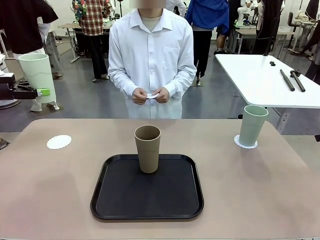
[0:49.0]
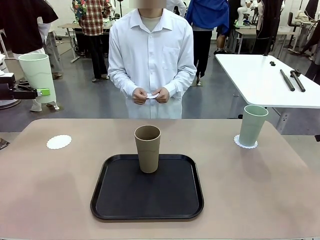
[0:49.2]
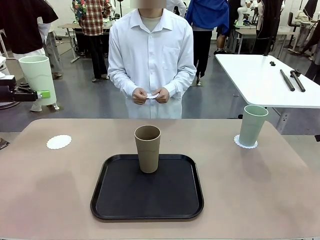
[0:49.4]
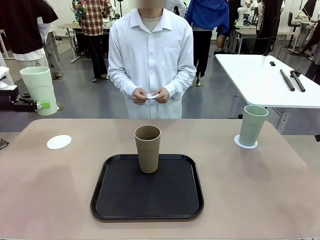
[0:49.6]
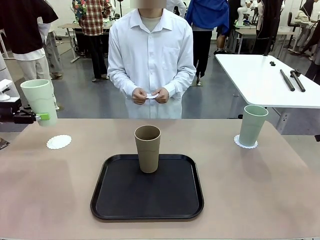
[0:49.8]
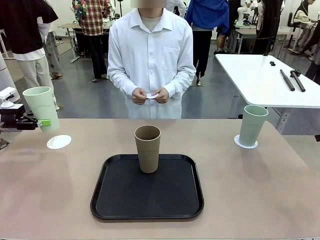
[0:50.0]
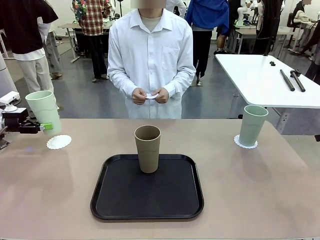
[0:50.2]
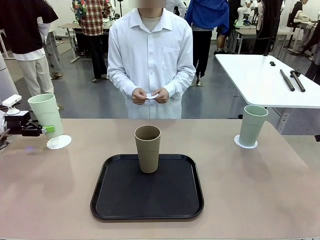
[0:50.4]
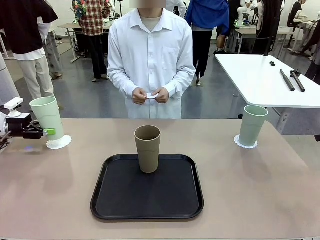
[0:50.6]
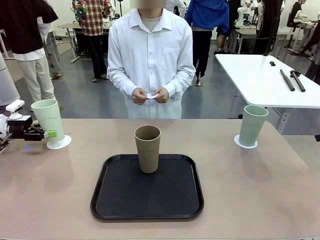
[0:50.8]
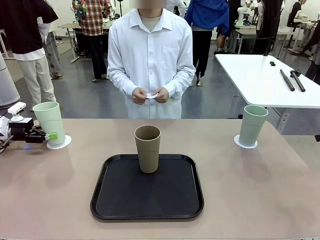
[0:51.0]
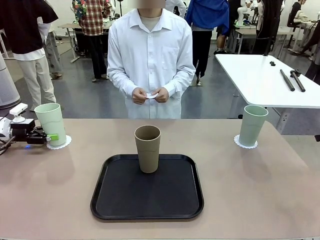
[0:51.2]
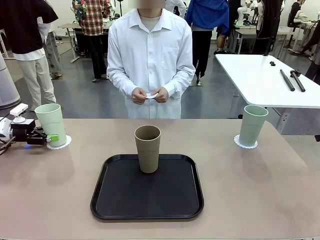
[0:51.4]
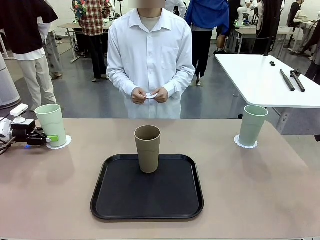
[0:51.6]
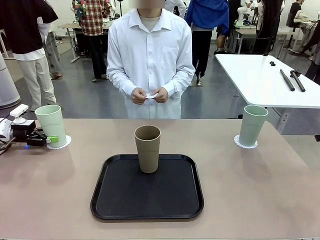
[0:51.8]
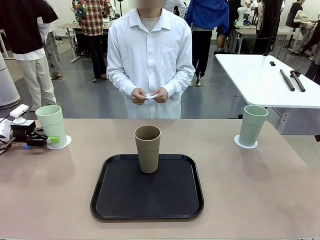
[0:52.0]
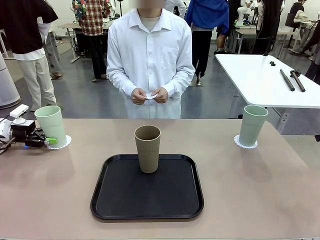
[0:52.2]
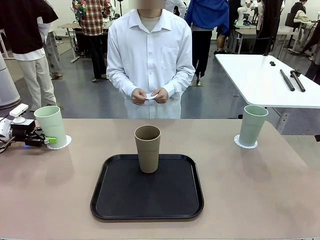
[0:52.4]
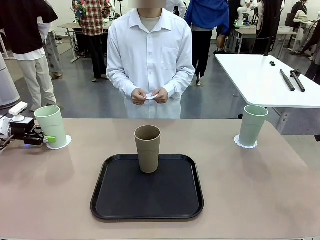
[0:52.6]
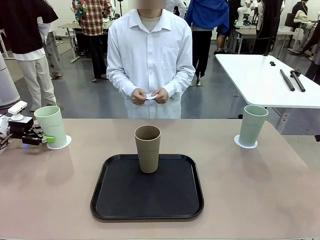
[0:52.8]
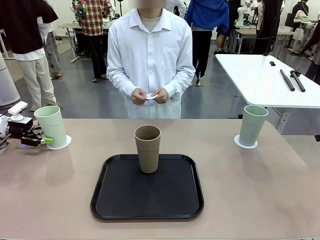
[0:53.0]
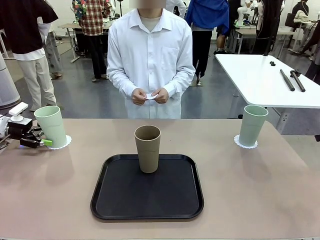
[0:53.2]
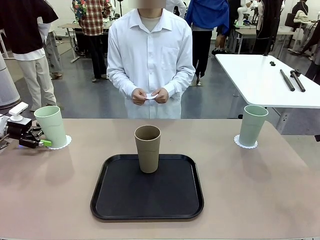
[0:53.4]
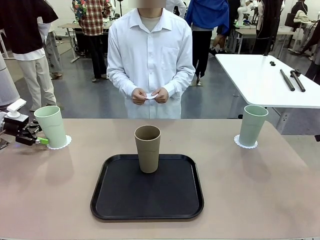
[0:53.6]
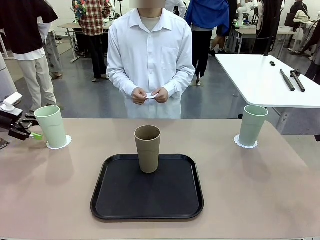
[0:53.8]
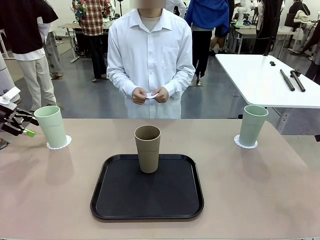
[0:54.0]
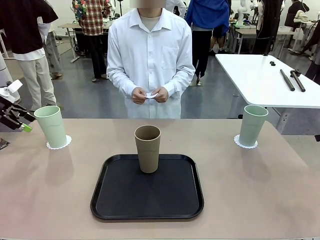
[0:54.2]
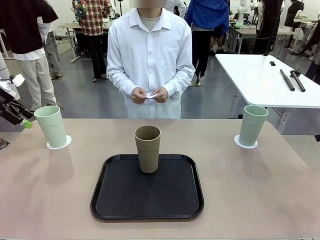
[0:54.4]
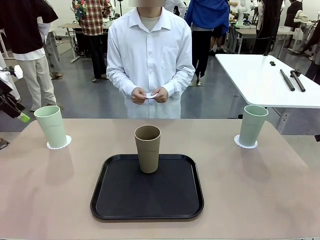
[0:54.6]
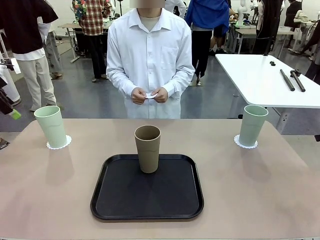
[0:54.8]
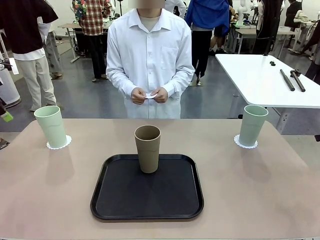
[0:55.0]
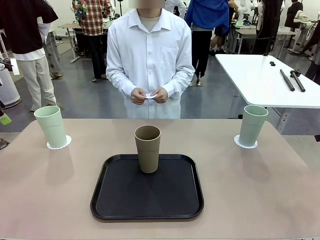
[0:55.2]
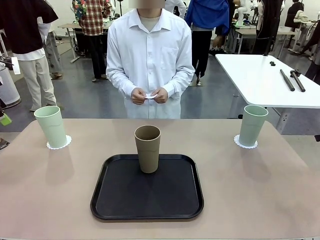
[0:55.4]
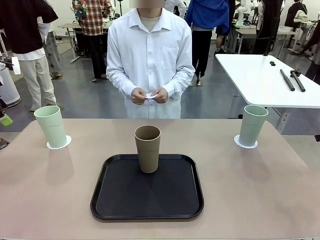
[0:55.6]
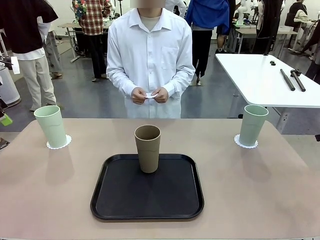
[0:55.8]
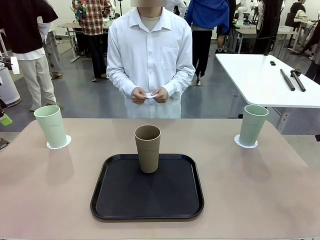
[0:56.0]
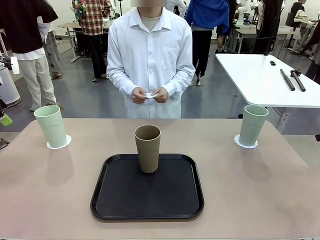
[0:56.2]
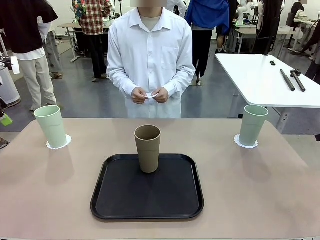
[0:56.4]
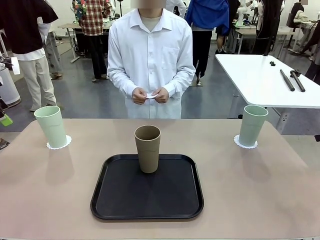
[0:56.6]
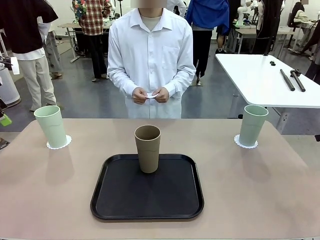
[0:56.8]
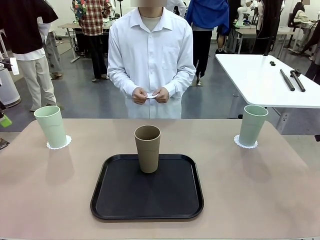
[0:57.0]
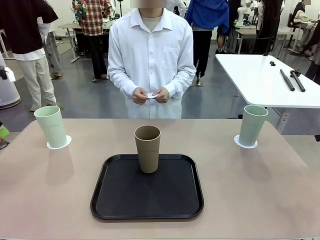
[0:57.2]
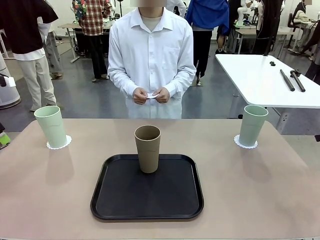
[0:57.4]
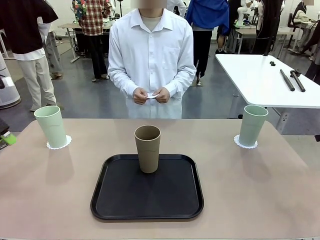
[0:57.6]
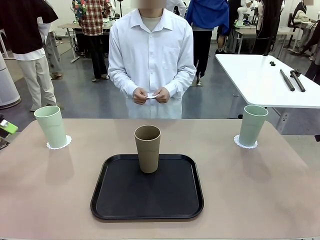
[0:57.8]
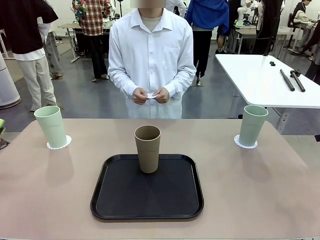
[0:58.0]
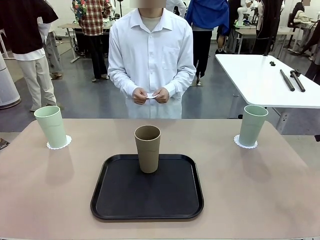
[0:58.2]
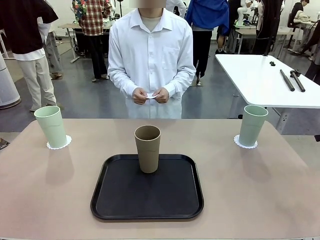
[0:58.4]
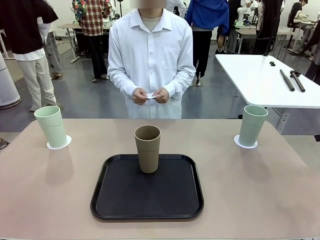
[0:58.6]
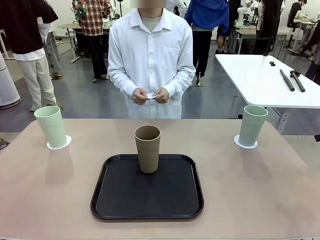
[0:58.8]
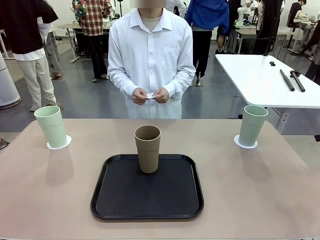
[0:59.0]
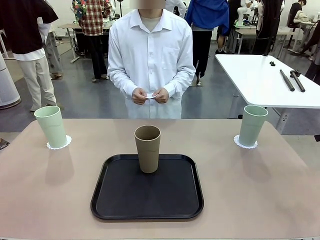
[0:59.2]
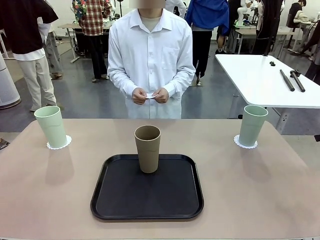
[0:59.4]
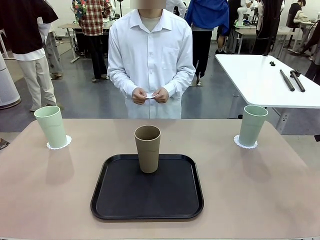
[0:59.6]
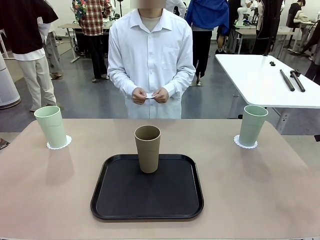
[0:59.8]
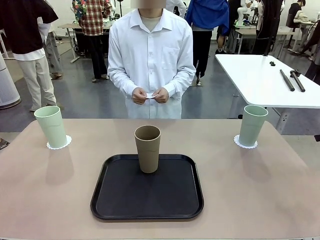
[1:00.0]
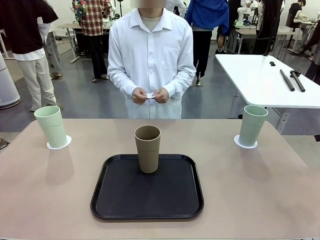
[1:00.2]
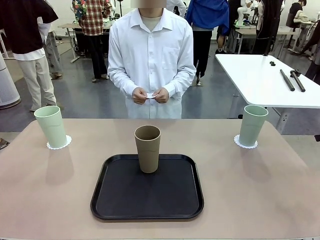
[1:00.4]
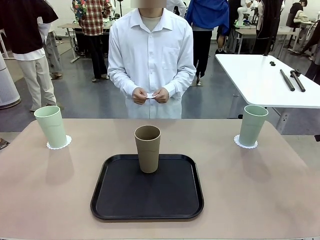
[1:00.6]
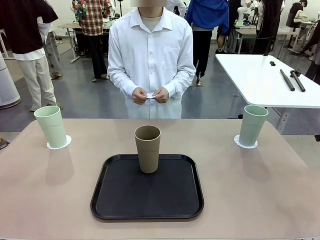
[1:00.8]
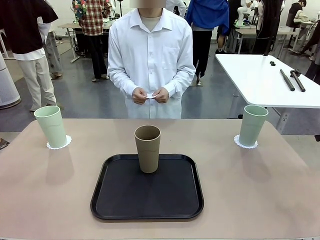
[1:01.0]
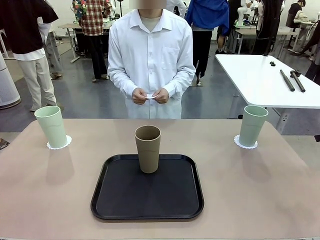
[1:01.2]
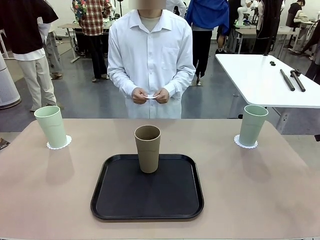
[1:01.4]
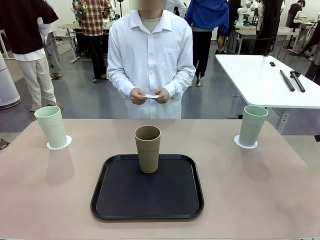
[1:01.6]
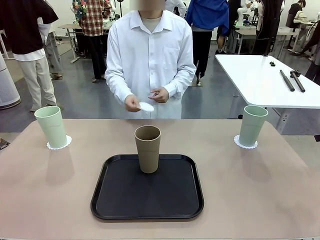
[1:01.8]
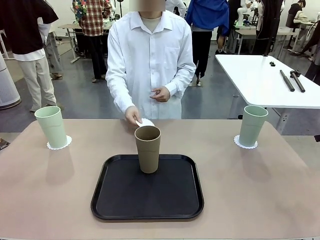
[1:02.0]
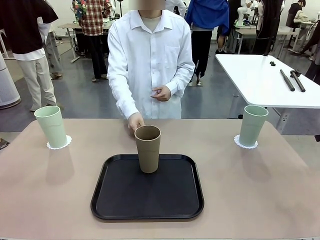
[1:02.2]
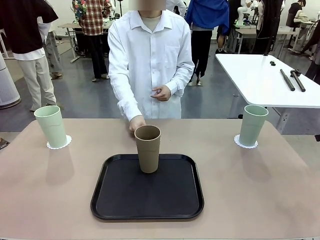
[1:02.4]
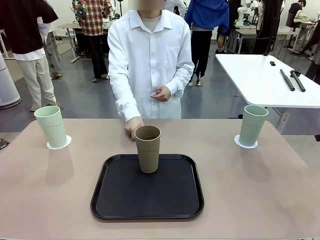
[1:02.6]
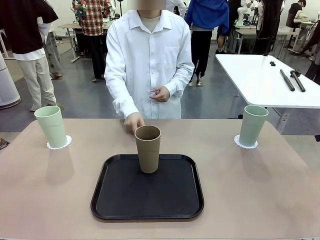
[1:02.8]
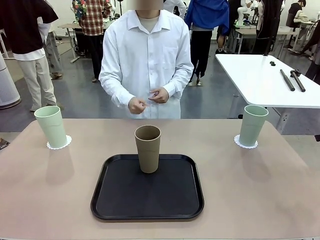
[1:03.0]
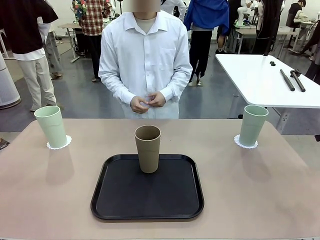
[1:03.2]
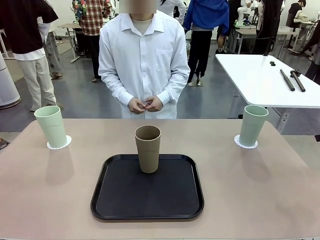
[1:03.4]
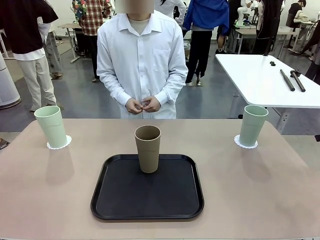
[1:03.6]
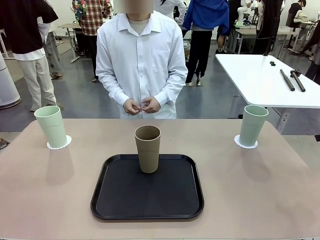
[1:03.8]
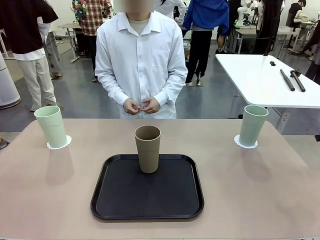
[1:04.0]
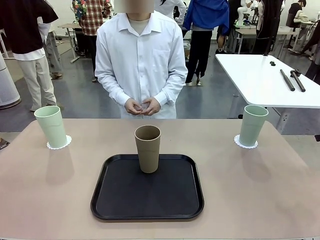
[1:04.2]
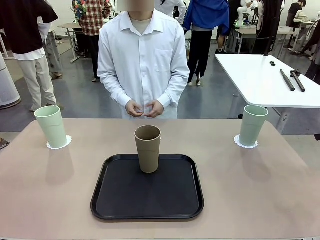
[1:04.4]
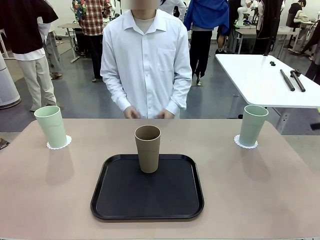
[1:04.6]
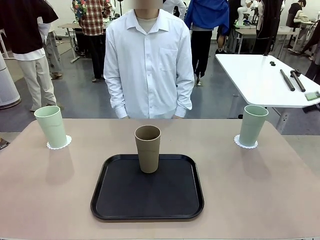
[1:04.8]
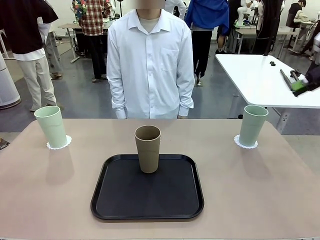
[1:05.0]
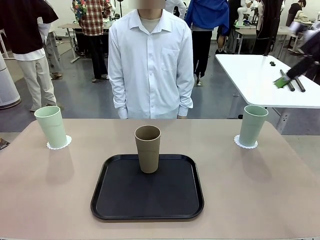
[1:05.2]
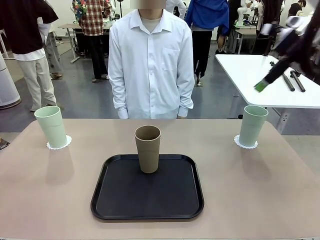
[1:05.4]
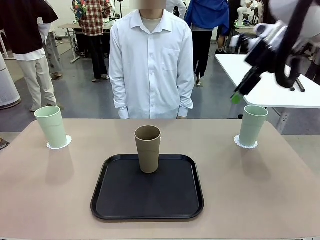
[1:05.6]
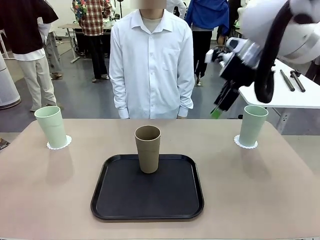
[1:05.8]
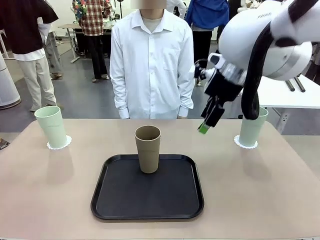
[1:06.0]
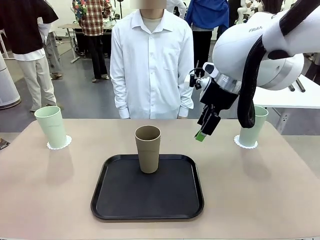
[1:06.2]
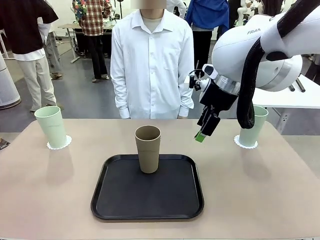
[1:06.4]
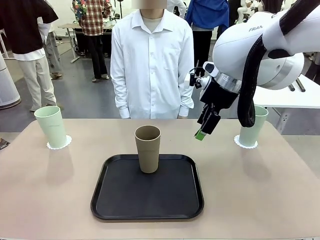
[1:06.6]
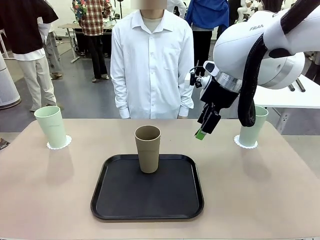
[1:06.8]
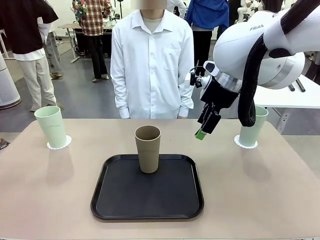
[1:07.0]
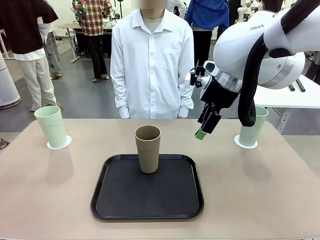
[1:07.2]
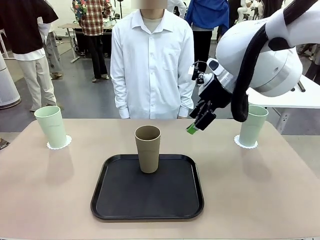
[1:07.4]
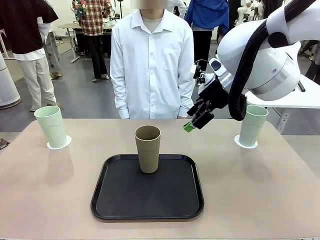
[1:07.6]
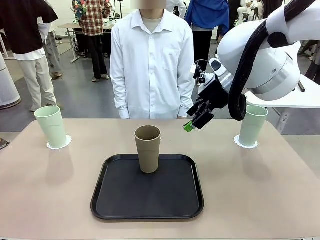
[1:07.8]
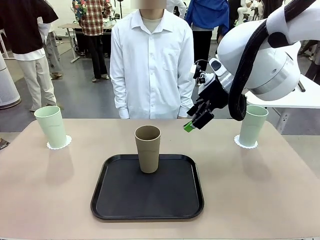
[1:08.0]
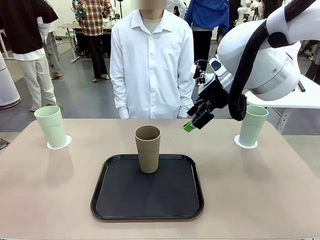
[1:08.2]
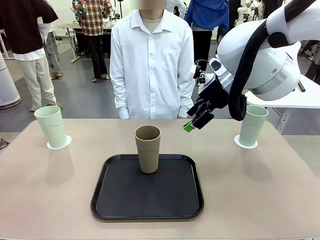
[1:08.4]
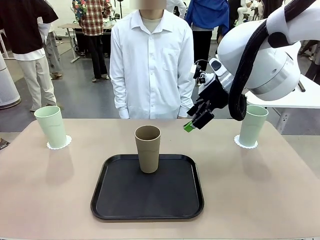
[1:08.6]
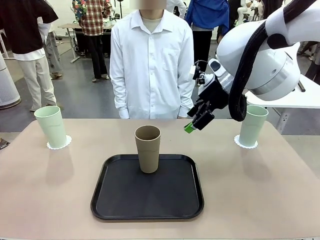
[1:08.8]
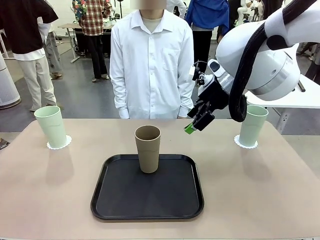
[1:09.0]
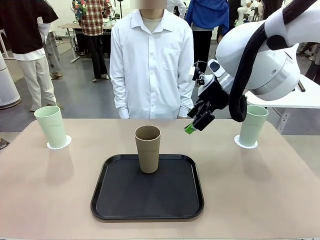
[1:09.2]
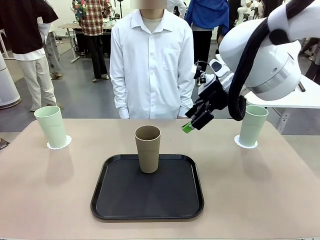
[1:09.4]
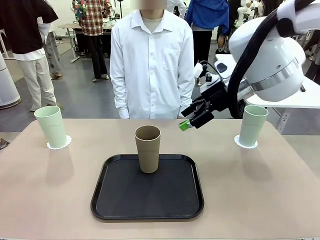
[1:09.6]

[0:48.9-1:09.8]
Task: Place coasters on the table and set cups on them.
Robot: Take one Reusable plastic cup from the Flat Tray and place it on a coaster set by the human.
